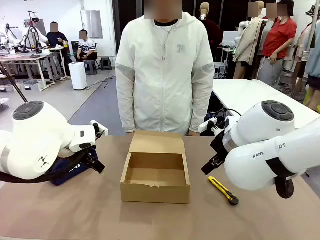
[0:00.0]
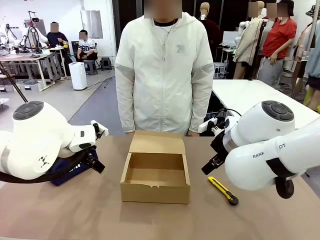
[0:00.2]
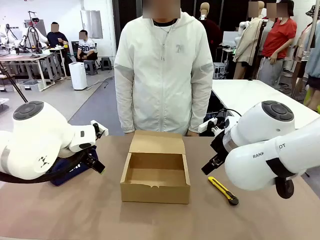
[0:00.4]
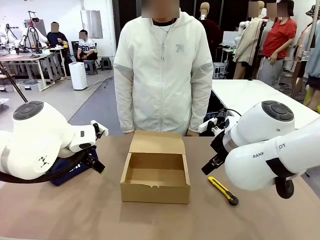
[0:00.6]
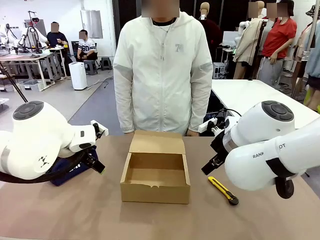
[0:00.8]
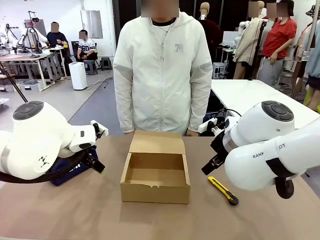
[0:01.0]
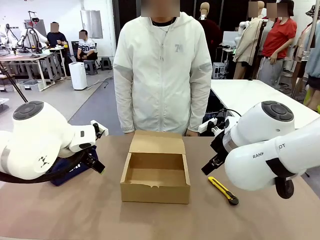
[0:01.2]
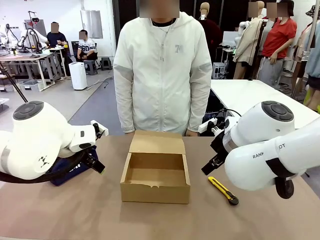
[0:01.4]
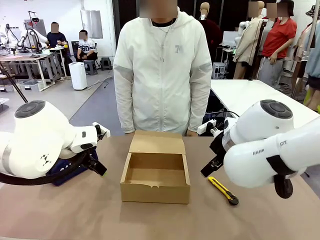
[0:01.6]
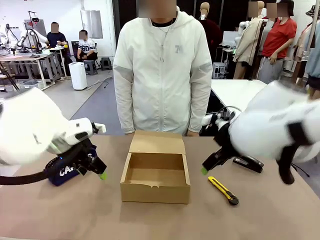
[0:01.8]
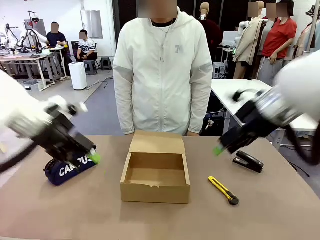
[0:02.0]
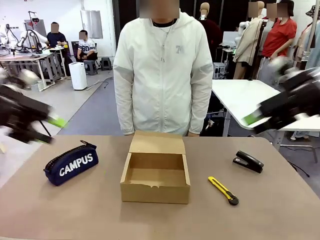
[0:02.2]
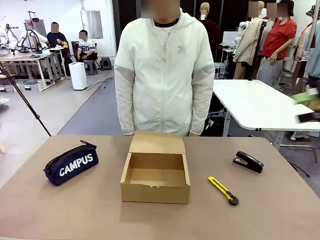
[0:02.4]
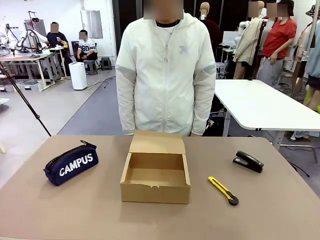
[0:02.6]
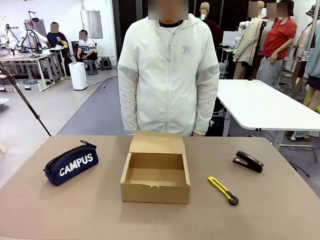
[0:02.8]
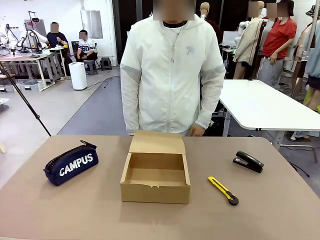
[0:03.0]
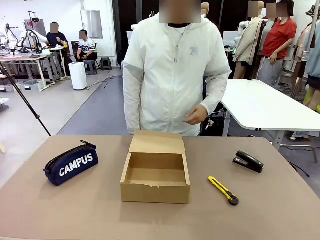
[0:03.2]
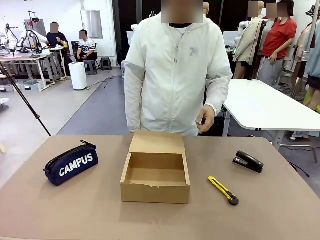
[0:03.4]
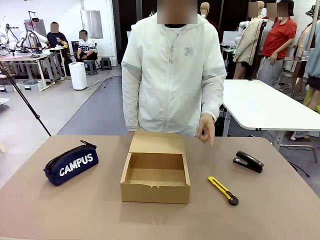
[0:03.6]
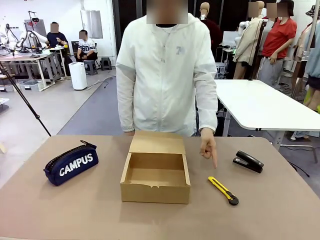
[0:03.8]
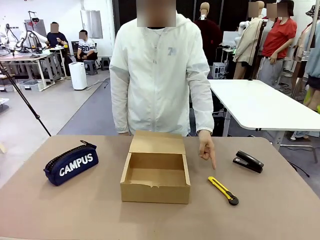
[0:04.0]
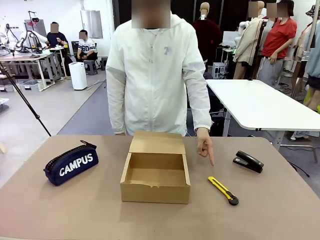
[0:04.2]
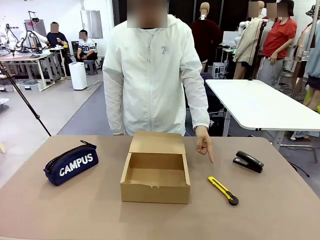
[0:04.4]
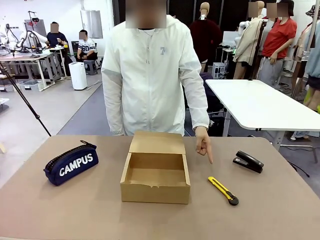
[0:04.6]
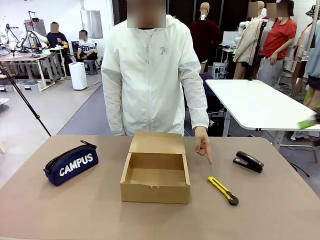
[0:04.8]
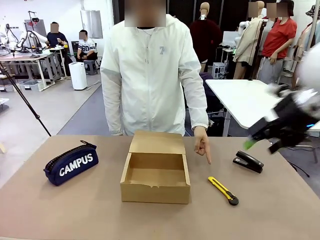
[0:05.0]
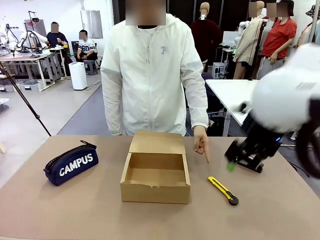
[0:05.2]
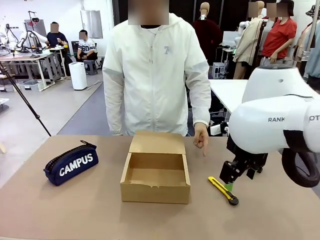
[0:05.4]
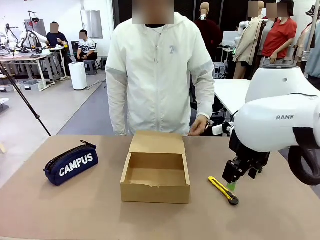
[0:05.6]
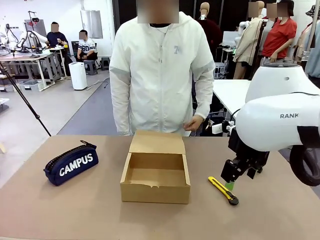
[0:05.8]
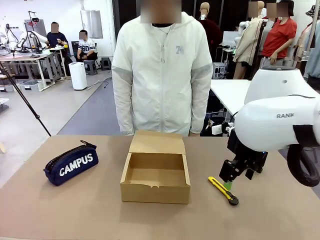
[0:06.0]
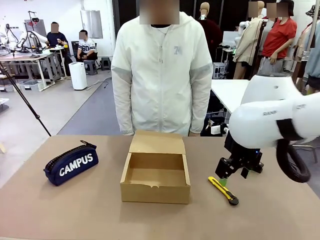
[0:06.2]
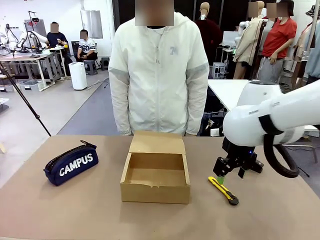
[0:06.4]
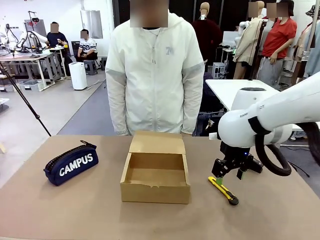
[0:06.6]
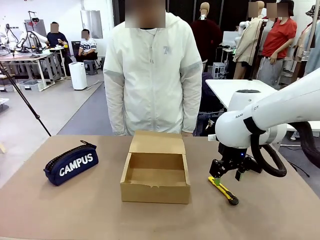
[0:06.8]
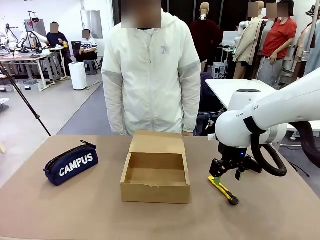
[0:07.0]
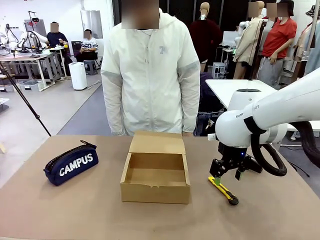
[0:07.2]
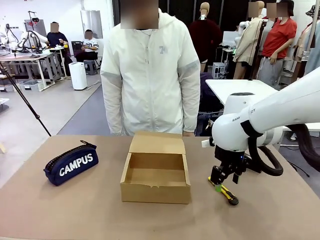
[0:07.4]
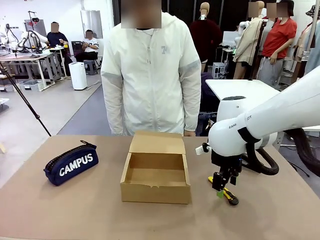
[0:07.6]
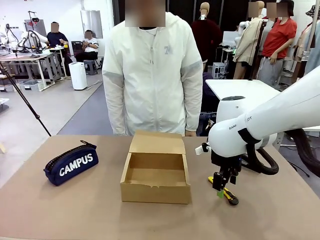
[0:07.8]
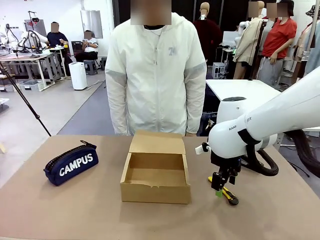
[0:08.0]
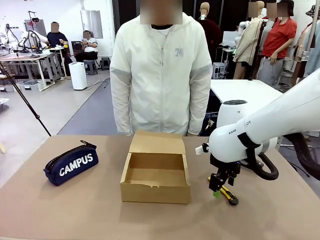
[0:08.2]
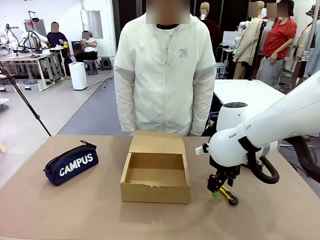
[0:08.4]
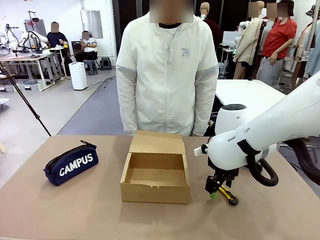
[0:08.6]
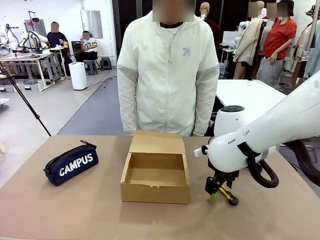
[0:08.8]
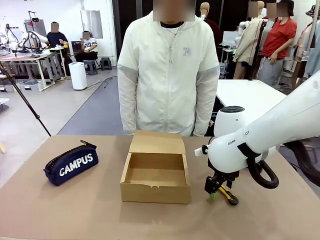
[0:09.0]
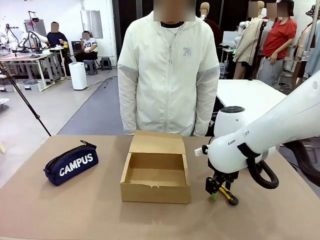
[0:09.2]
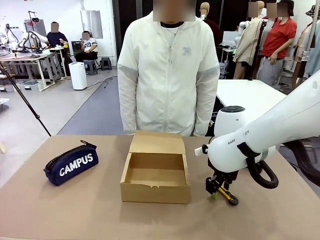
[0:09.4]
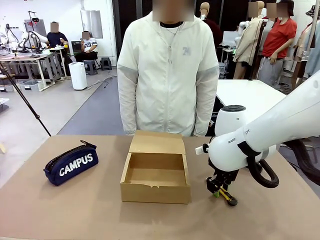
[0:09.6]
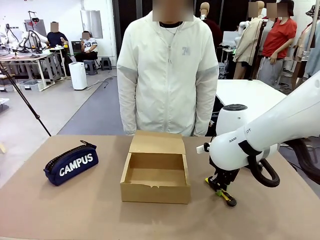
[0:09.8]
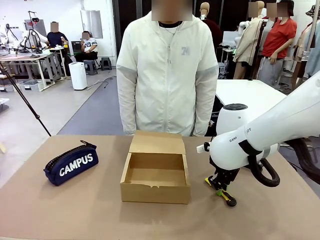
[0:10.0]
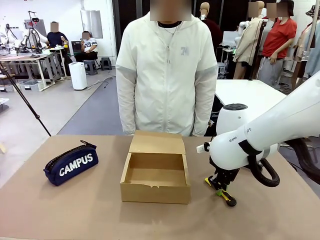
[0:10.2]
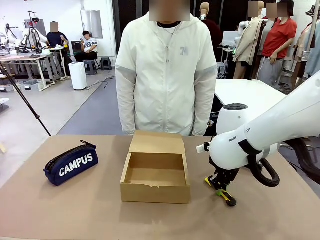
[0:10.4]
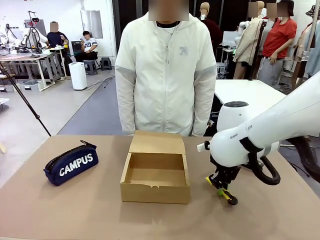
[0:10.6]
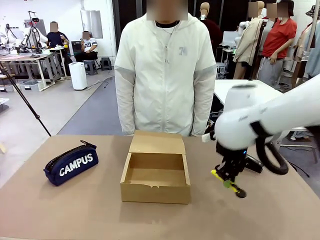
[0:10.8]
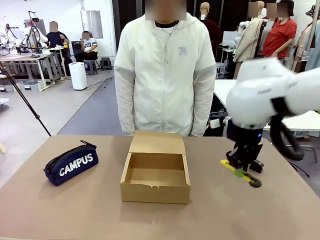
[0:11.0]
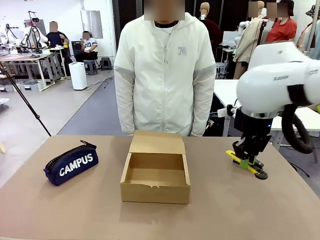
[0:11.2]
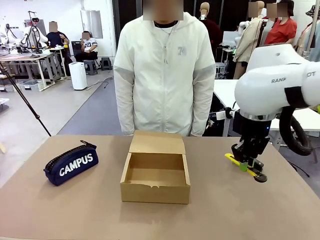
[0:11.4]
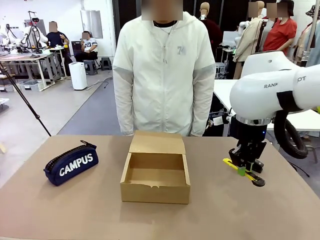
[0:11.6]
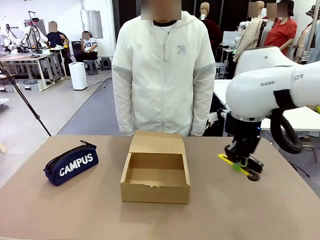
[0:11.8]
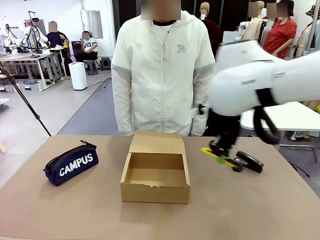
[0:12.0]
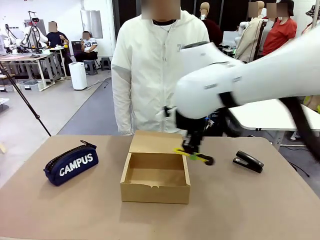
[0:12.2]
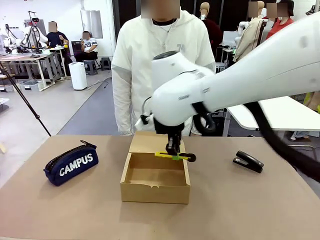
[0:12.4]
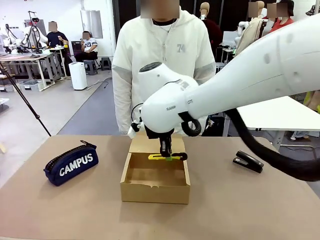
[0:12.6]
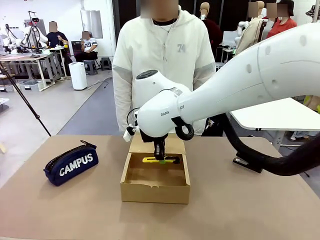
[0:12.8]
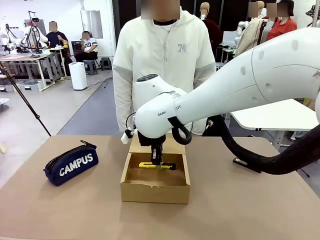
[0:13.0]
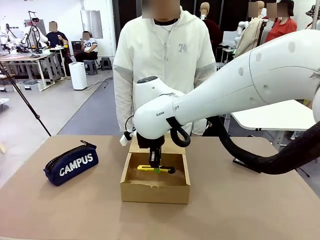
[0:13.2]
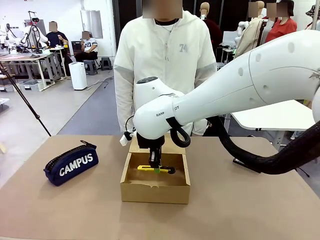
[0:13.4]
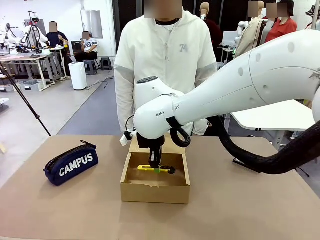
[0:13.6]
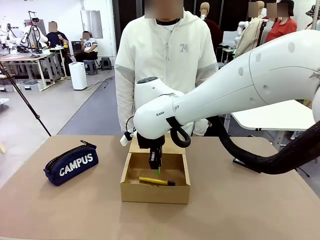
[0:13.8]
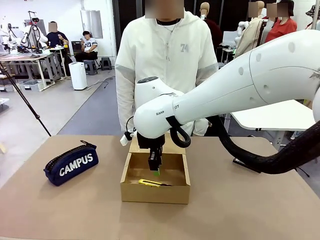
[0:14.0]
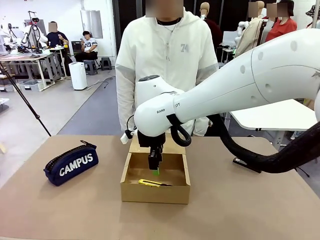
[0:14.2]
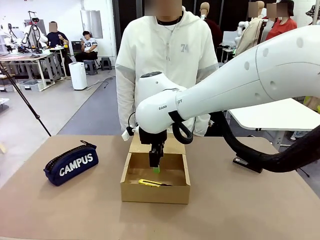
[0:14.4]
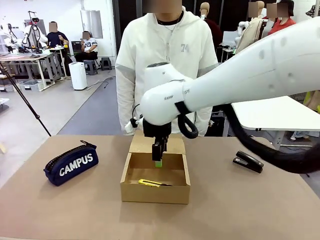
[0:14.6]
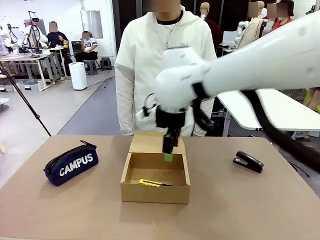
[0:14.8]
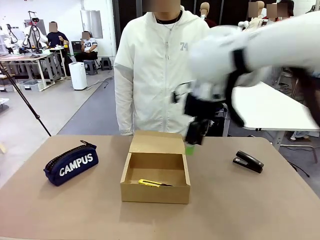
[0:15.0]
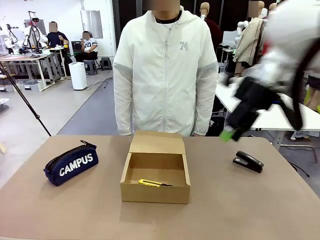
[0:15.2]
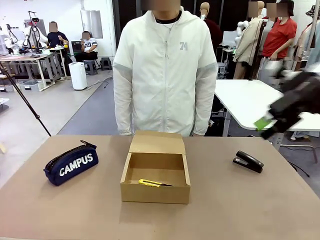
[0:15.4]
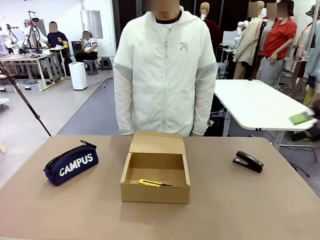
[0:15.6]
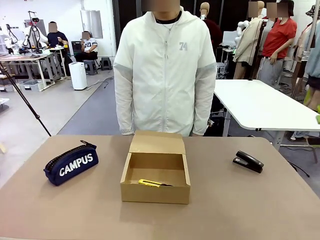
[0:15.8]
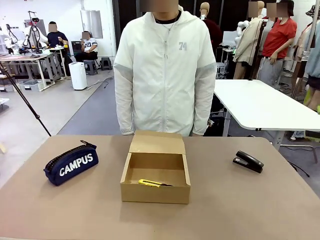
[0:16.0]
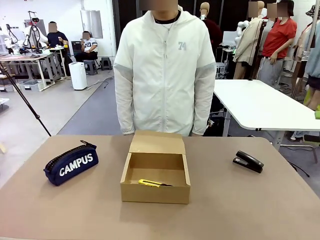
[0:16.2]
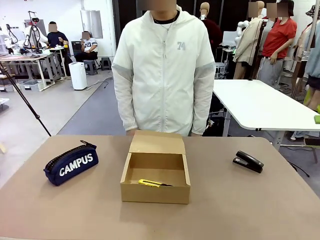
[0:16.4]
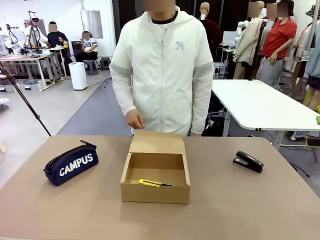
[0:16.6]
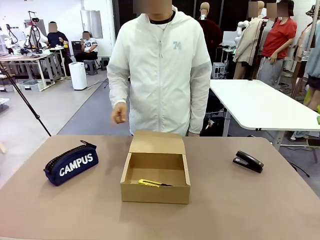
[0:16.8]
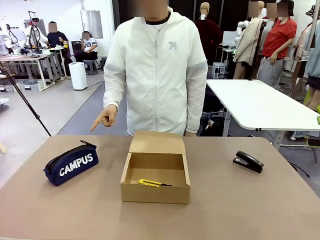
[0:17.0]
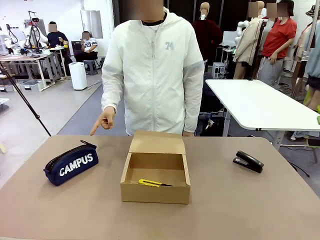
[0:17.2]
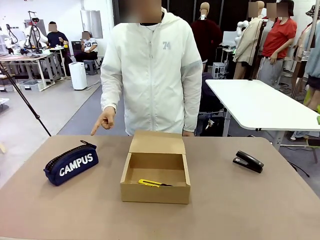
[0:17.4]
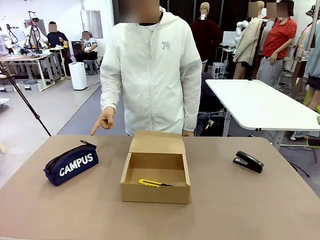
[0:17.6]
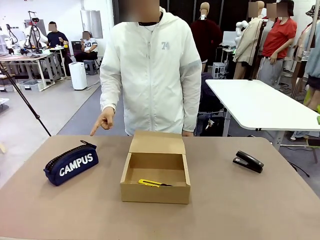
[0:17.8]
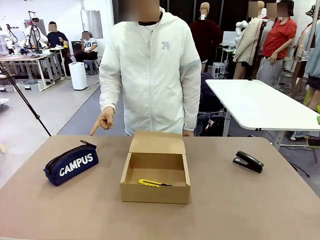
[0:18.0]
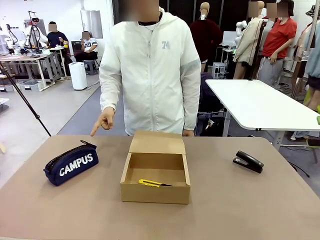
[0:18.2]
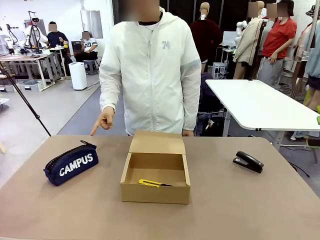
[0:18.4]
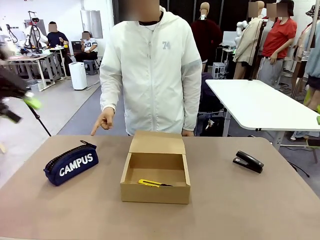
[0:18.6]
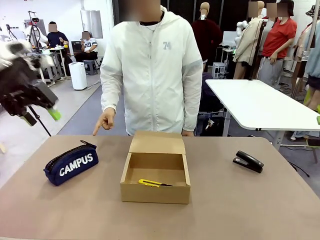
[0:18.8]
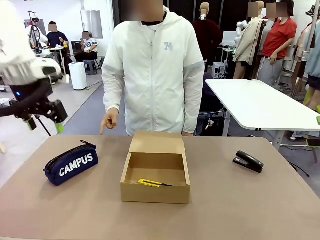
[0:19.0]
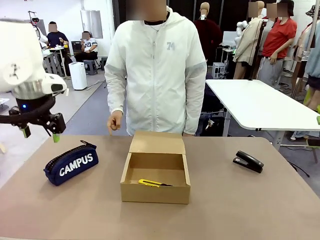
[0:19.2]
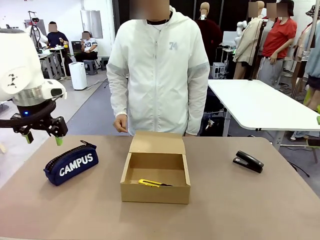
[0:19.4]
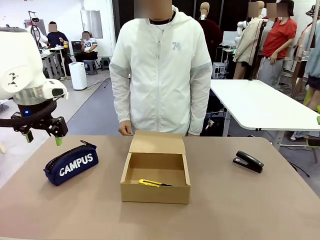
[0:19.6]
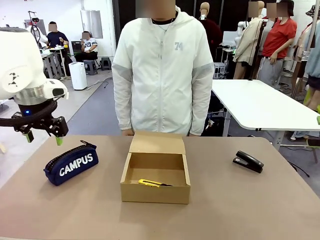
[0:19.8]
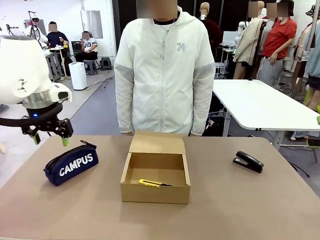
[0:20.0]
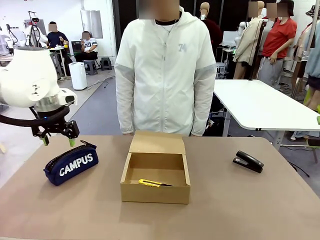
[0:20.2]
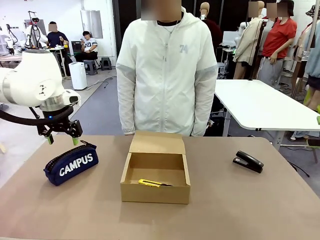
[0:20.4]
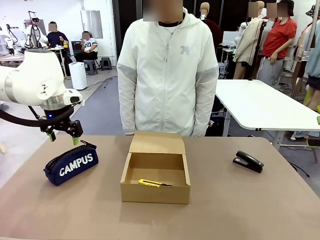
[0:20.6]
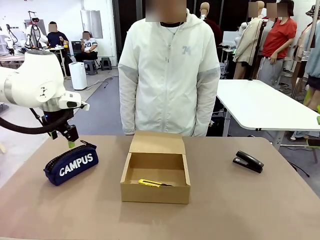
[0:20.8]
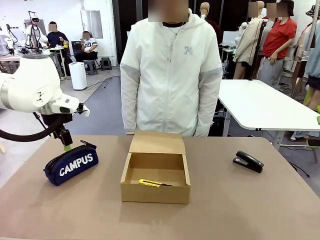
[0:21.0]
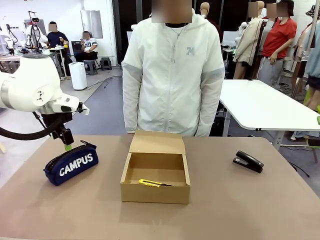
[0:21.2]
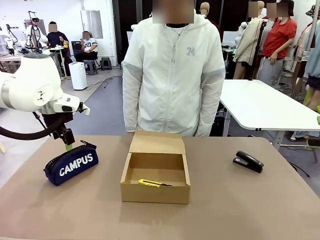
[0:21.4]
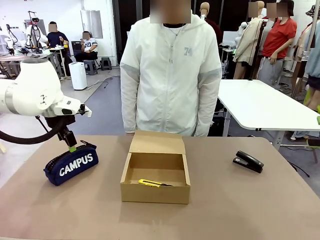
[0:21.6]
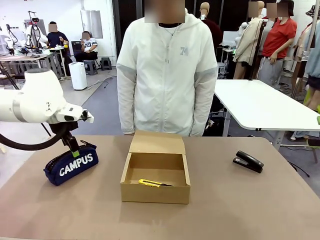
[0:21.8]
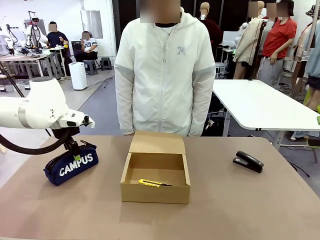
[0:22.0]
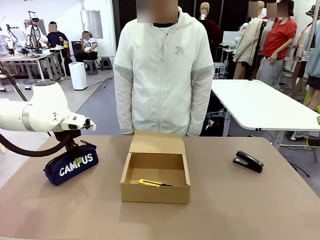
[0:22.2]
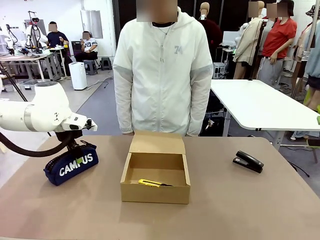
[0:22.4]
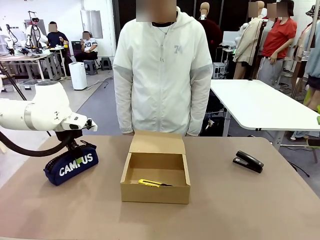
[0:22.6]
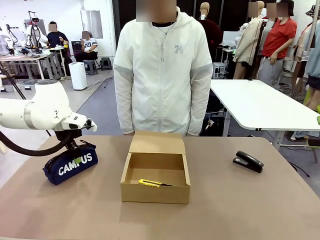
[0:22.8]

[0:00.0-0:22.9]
Task: Pack the items into the box.
Robot: Pick up the item indicated by the person and place it inside the Mailer Box.
Person: Point at one item on the table (excluding the box).
